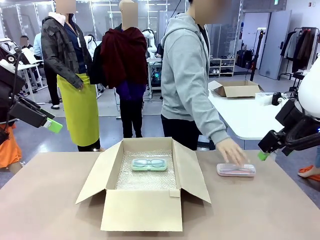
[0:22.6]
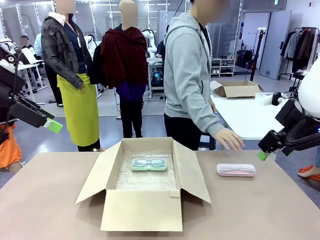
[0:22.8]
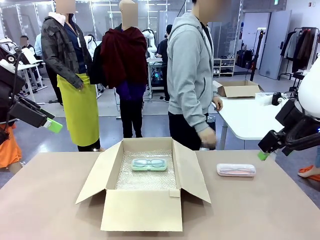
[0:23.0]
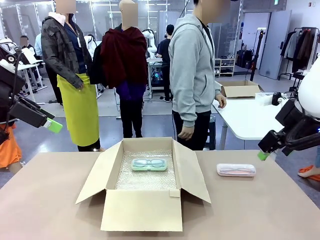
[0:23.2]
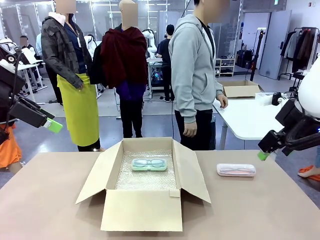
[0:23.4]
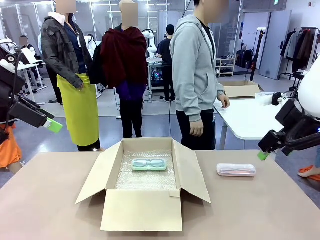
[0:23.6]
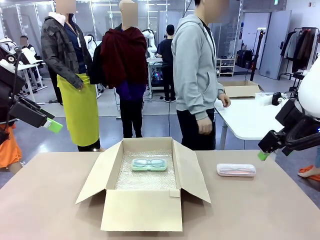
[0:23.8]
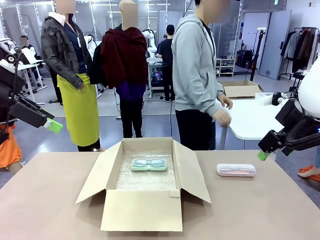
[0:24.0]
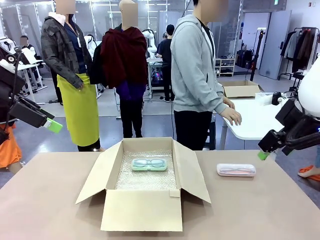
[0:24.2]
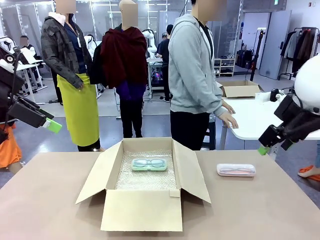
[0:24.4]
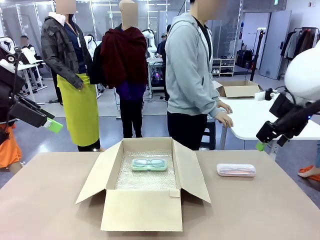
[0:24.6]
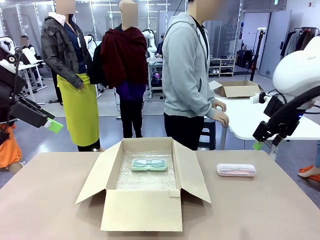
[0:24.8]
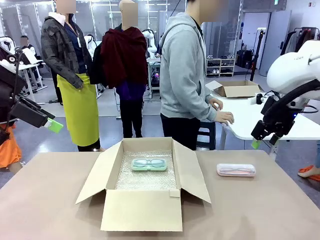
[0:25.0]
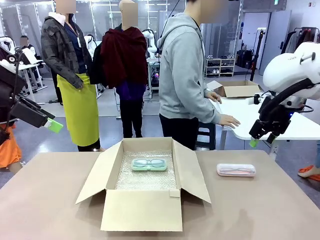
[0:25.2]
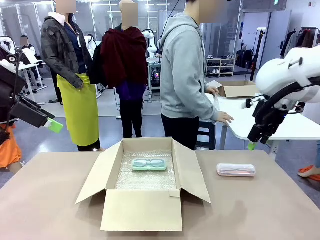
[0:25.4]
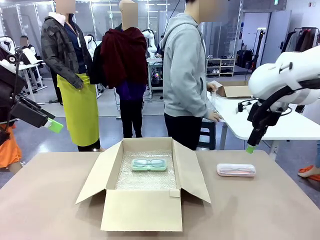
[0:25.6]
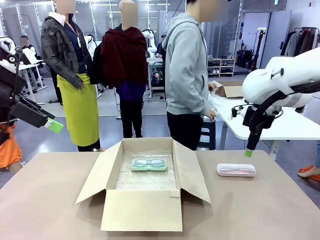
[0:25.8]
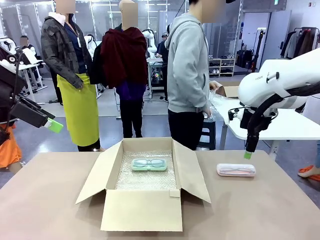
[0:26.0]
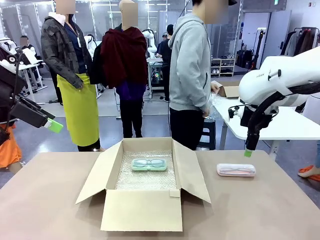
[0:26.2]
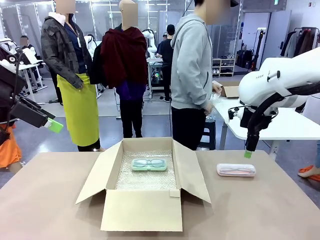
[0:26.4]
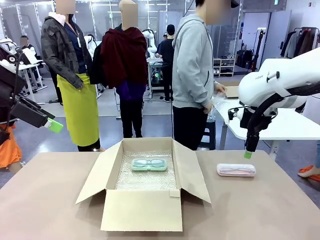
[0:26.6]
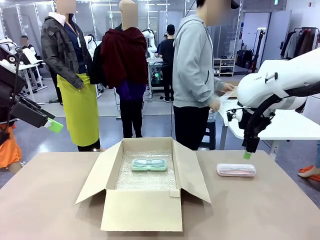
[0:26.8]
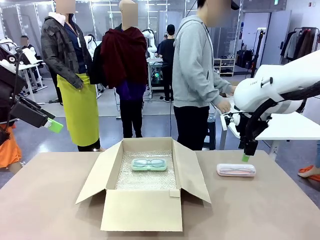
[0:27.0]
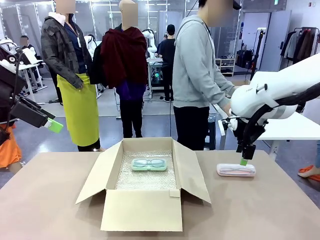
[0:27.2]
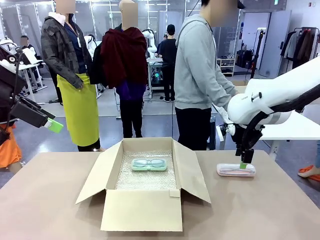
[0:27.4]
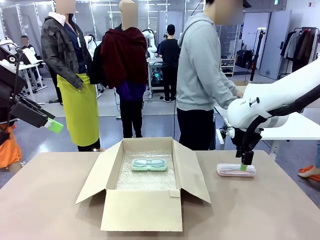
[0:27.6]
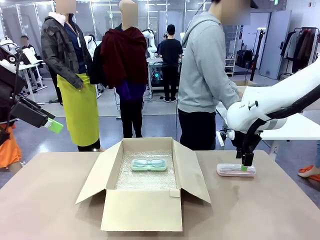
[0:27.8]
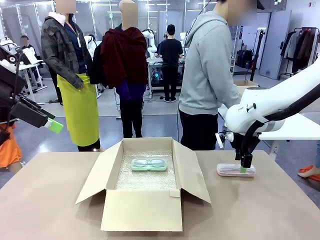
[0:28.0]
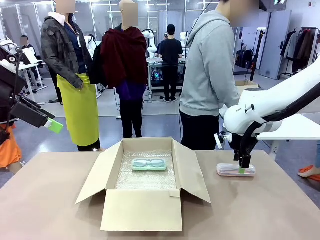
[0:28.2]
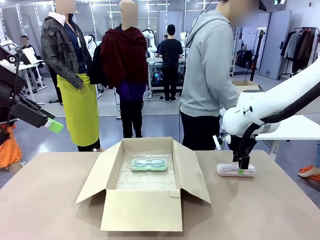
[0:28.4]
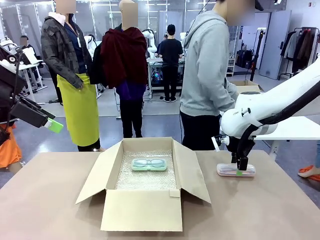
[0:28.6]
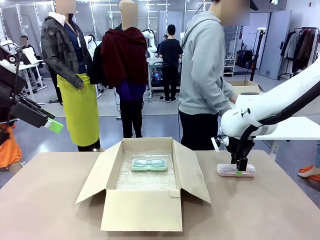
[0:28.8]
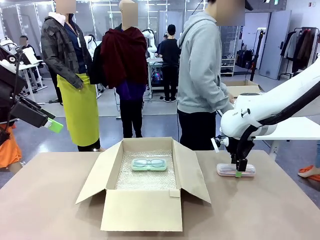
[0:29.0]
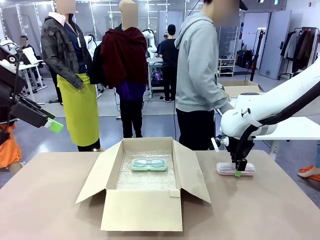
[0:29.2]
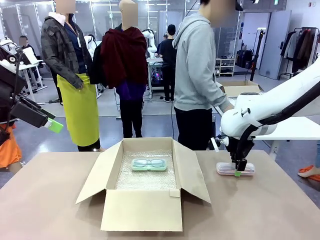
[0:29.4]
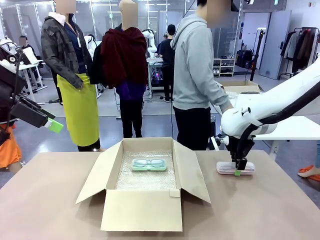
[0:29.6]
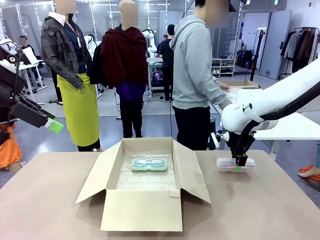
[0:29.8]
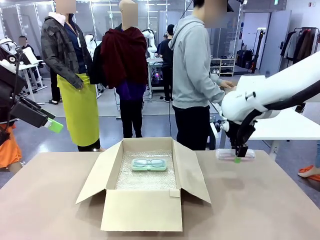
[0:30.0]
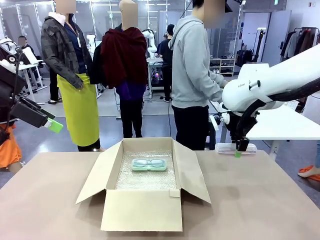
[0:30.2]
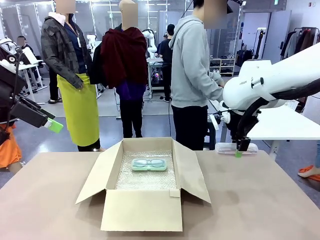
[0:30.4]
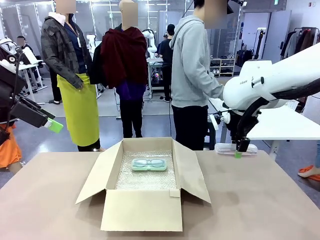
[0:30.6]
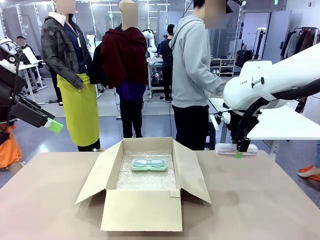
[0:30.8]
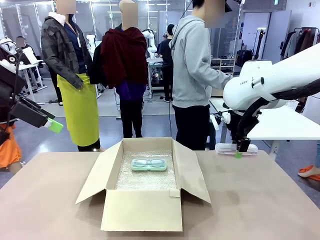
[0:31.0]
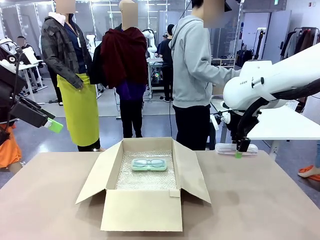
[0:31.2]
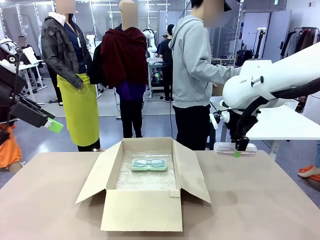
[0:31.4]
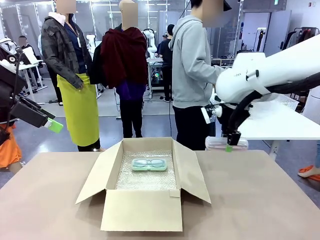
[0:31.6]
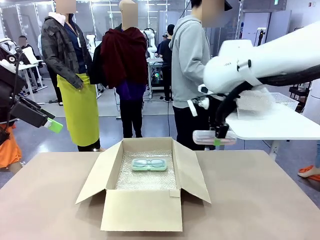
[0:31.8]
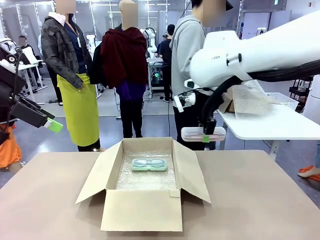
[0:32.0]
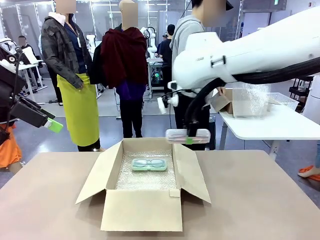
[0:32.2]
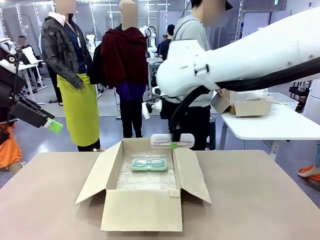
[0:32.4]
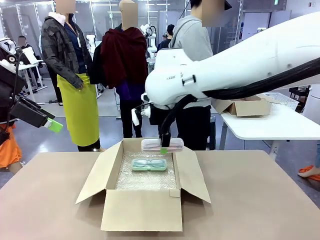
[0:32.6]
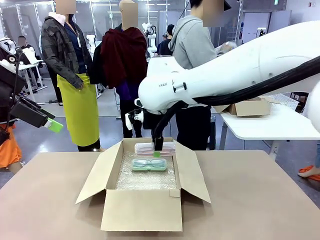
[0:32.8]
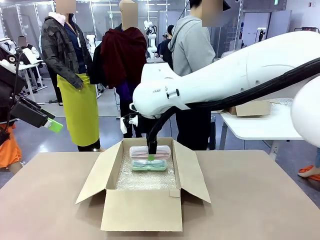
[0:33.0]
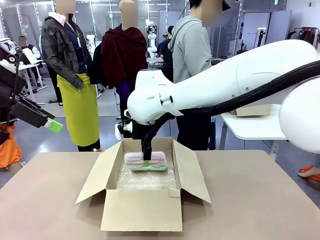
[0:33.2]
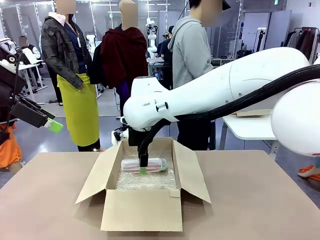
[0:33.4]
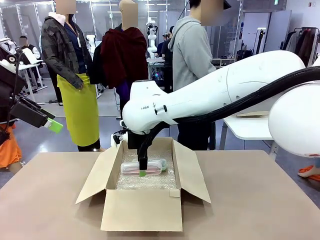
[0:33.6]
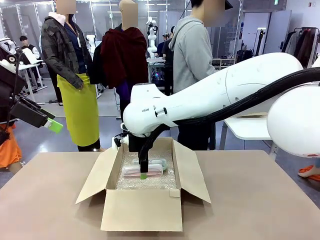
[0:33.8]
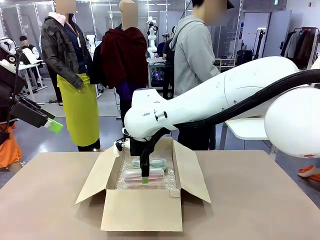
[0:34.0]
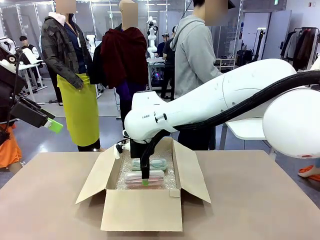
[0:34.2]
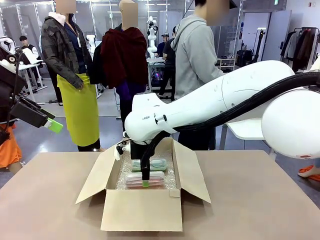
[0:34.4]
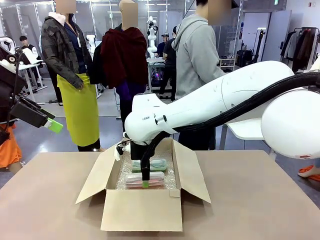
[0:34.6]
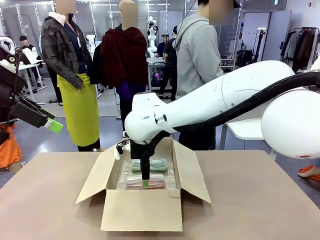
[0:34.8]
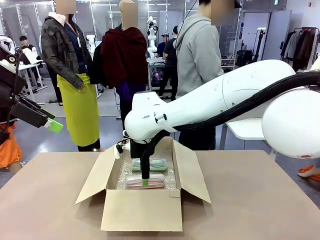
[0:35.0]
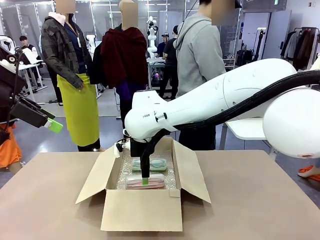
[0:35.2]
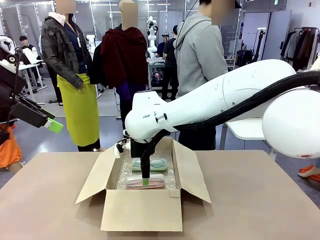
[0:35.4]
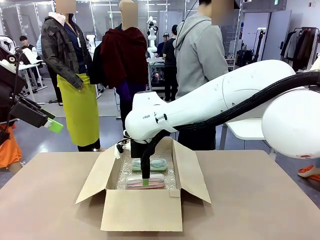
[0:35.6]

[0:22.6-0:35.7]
Task: Pack the glasses set securely to prepare it for shipping.
Robot: Put the Glasses case from the right side of the table into the Package Box.

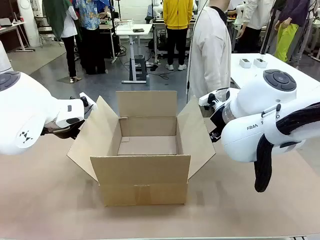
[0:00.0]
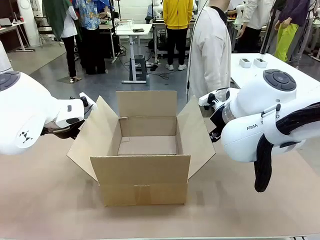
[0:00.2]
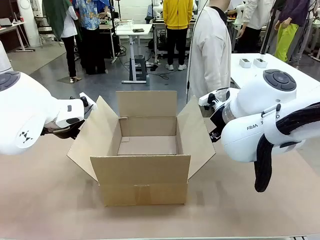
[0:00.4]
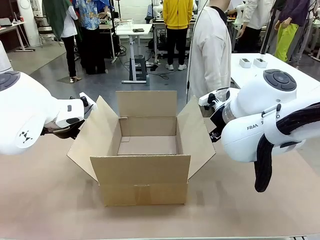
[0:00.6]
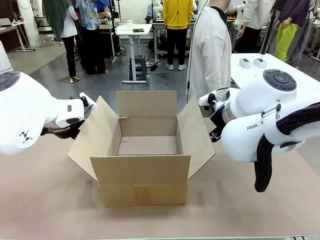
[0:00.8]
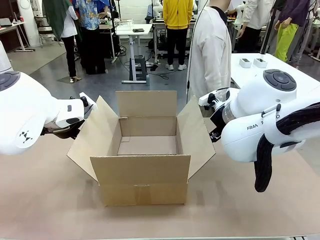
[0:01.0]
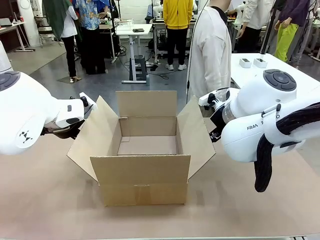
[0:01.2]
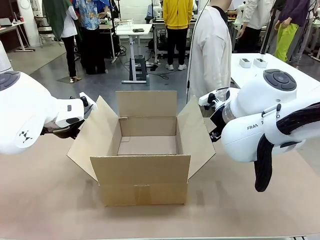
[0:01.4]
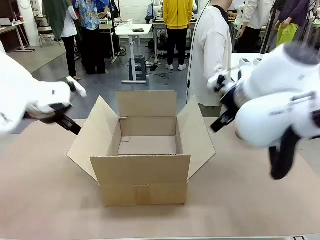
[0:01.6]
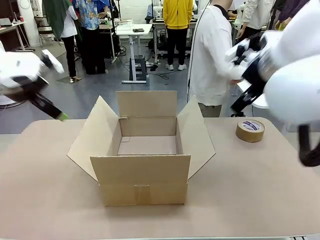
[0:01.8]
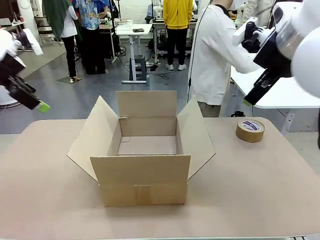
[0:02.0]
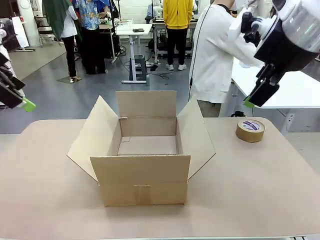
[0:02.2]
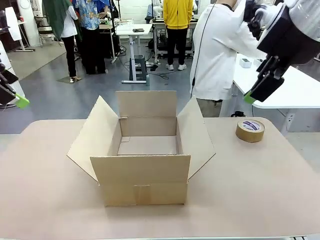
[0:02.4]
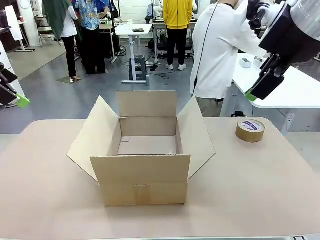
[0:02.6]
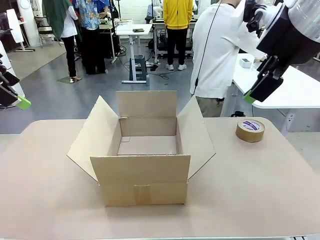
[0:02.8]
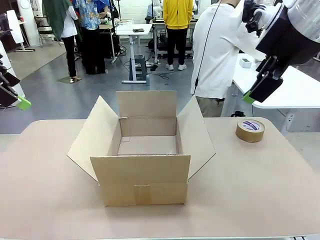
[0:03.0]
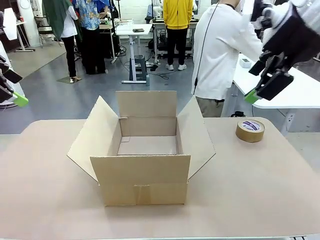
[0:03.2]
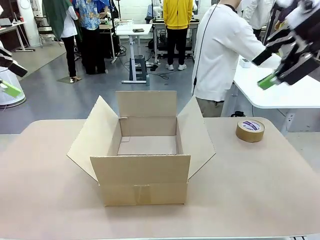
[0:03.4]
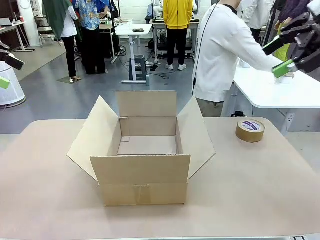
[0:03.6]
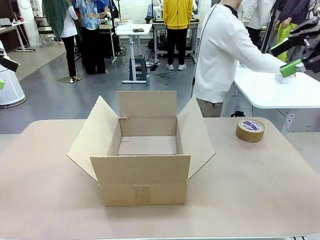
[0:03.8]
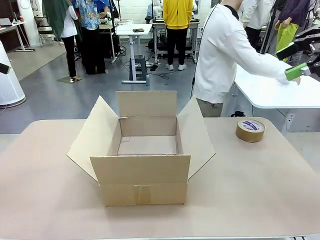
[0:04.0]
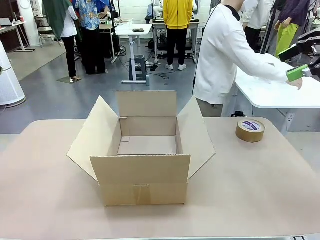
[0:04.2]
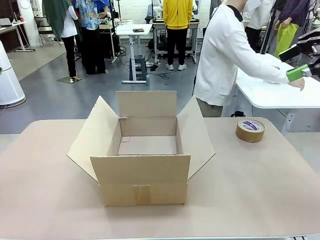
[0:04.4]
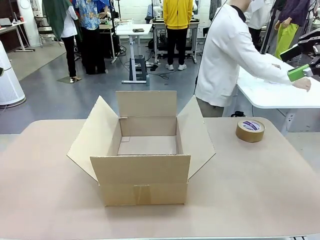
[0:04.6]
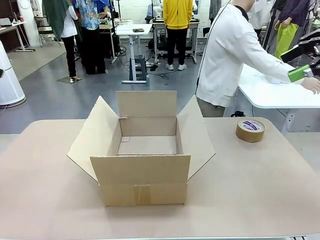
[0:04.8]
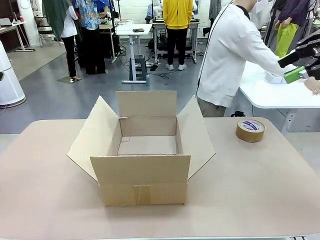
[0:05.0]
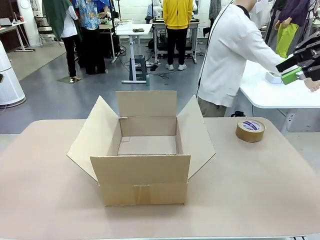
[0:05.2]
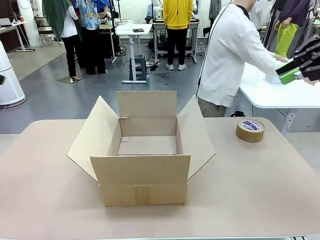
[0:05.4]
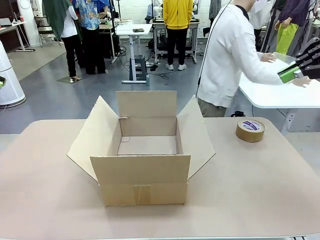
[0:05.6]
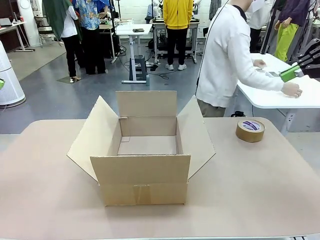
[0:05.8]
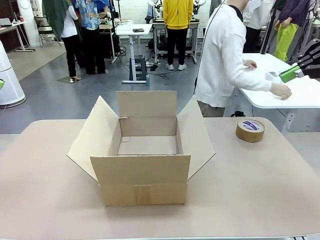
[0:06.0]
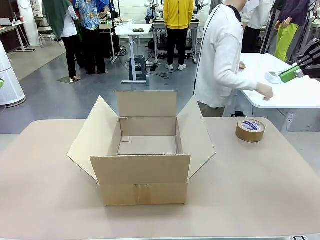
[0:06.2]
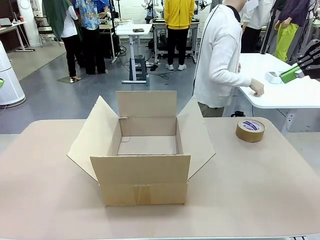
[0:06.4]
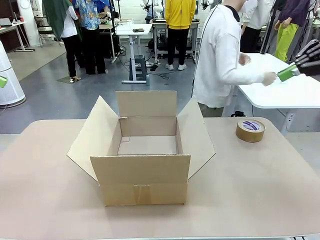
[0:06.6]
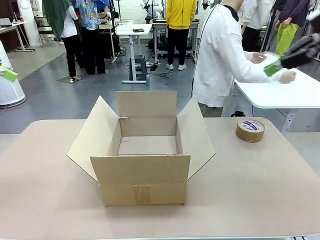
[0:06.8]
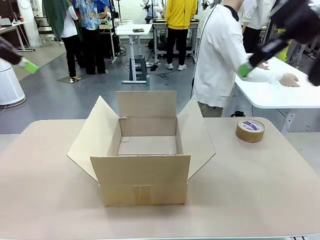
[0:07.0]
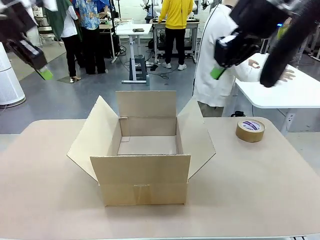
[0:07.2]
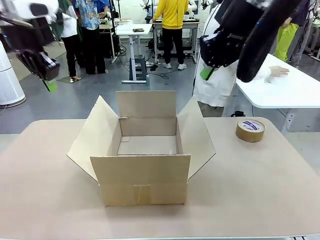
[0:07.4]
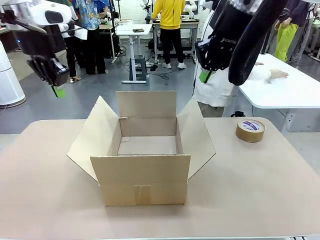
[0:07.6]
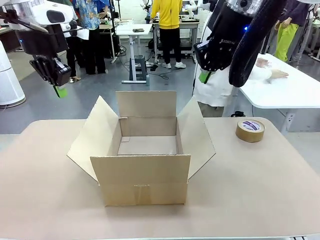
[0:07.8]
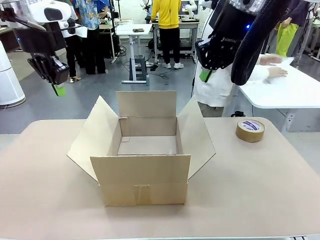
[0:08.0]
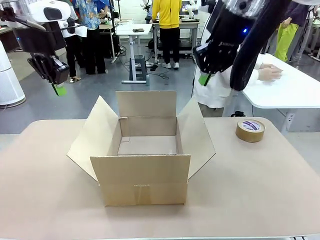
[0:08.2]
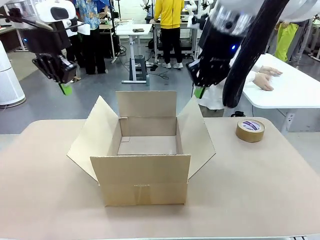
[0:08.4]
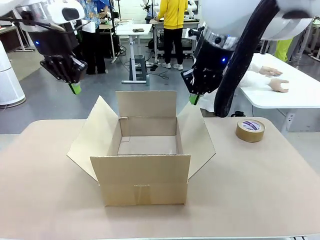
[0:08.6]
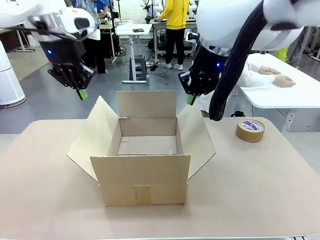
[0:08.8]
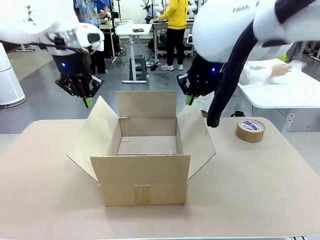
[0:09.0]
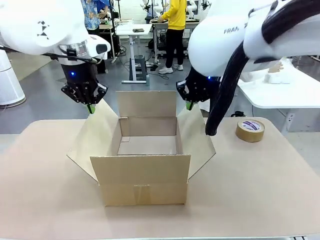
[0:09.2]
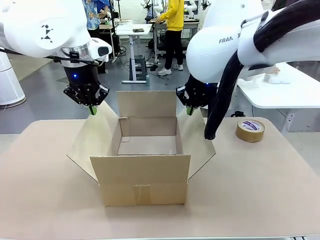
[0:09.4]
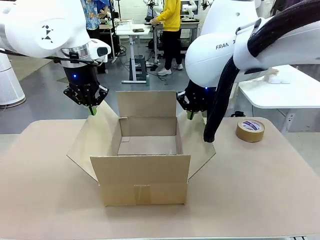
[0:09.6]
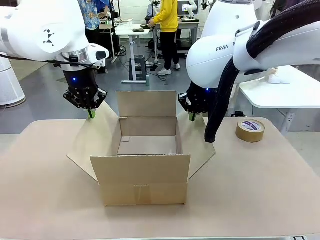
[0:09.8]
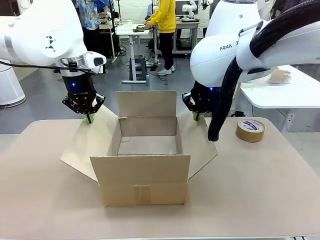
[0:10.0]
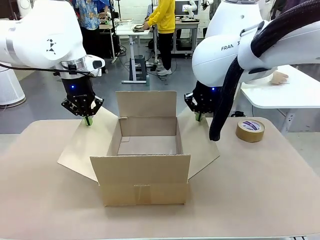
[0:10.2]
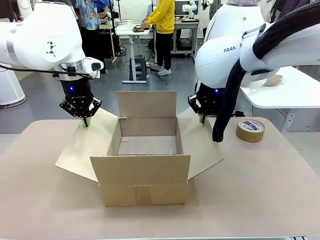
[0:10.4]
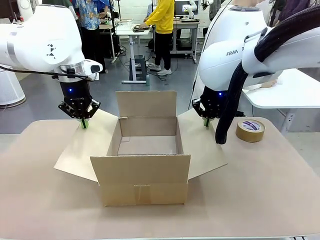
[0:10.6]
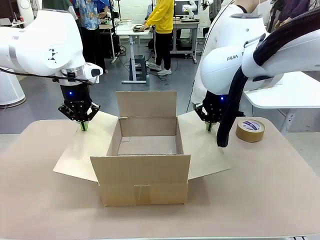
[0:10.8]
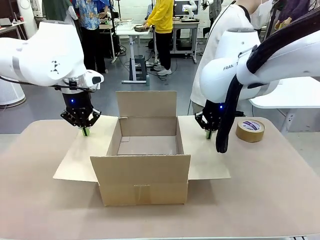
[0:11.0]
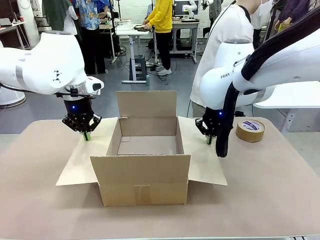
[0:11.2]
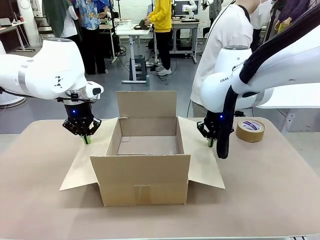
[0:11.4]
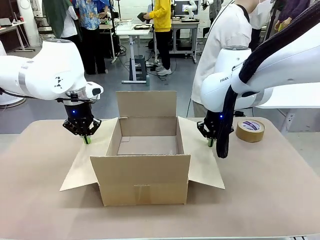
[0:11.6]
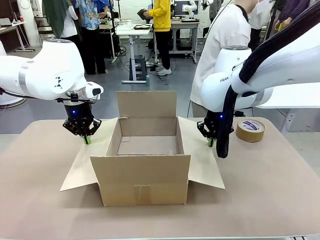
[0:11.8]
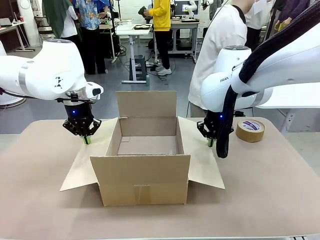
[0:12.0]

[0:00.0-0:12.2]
Task: Wrap the clocks to prevent damage.
Robot: Open the side flaps of the Package Box.
Person: Wrap the two Digital clocks with Bubble Wrap.
